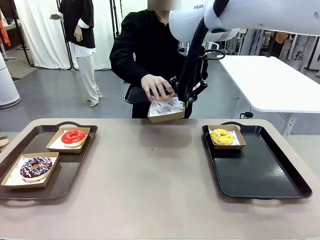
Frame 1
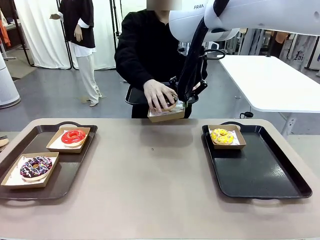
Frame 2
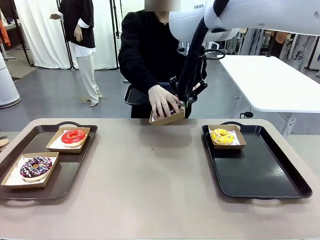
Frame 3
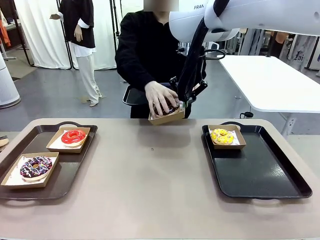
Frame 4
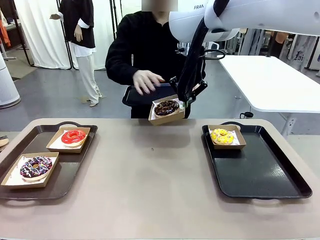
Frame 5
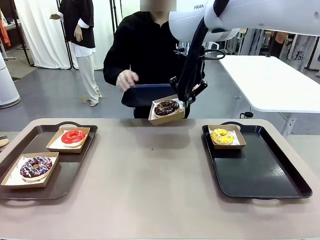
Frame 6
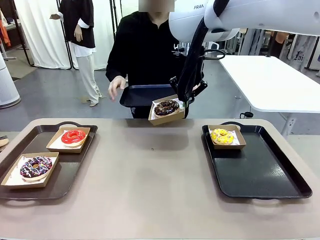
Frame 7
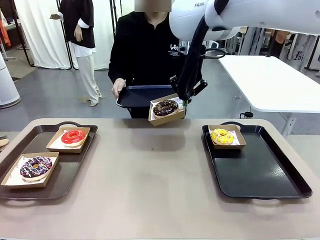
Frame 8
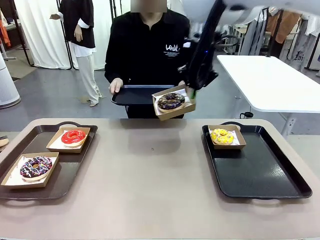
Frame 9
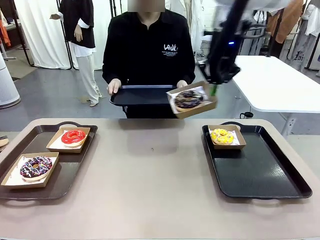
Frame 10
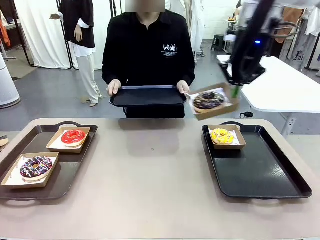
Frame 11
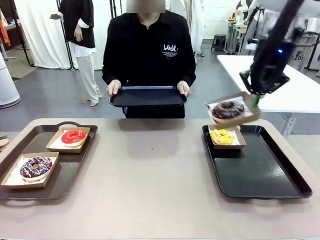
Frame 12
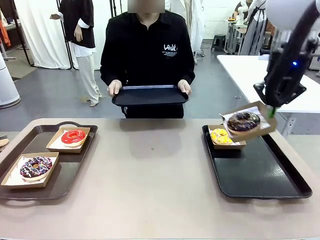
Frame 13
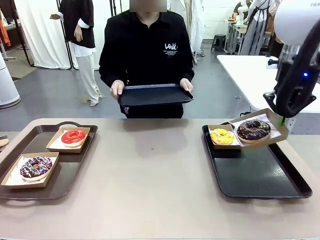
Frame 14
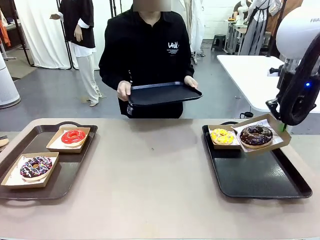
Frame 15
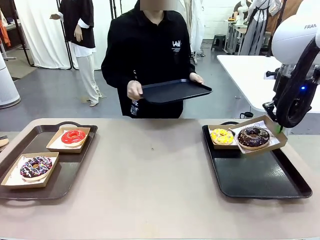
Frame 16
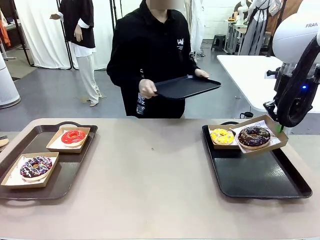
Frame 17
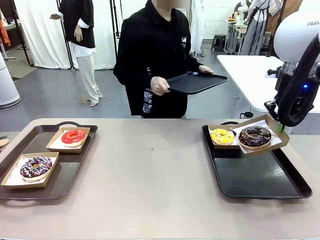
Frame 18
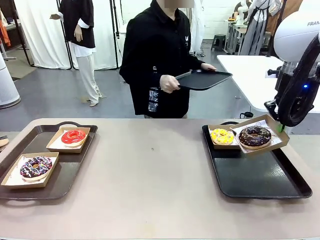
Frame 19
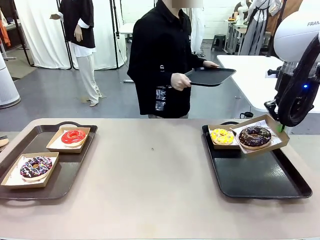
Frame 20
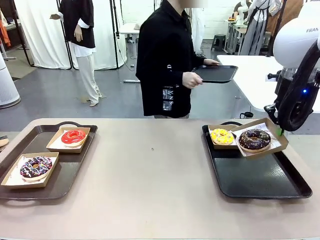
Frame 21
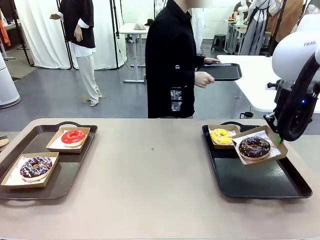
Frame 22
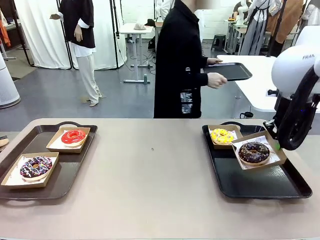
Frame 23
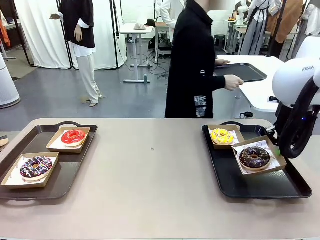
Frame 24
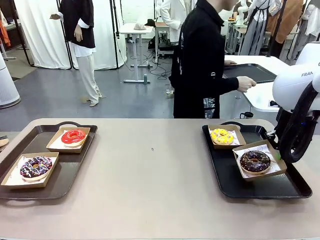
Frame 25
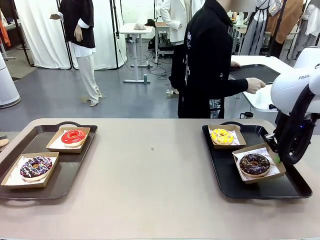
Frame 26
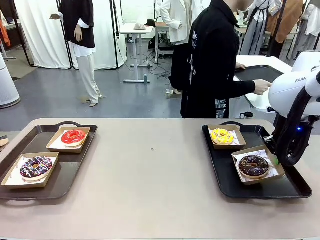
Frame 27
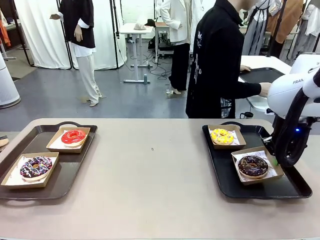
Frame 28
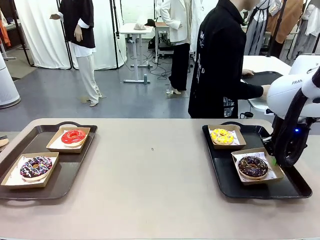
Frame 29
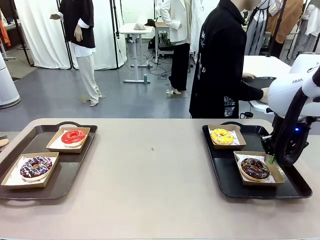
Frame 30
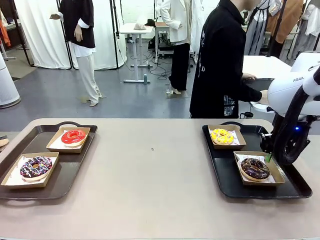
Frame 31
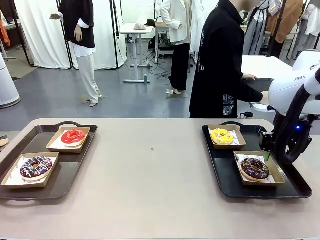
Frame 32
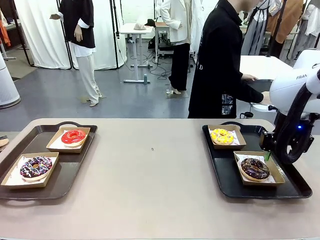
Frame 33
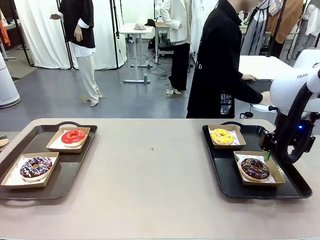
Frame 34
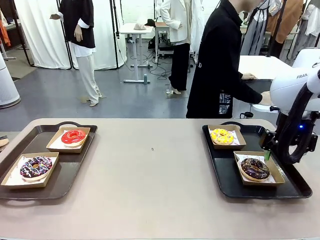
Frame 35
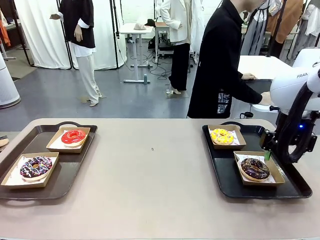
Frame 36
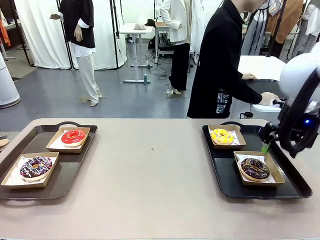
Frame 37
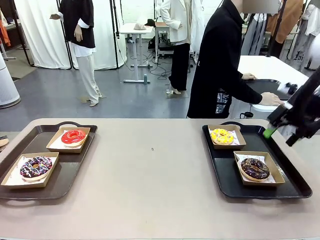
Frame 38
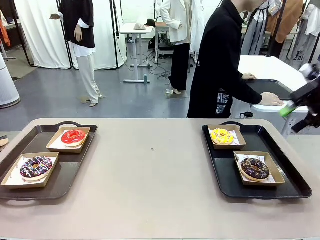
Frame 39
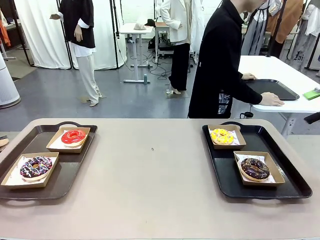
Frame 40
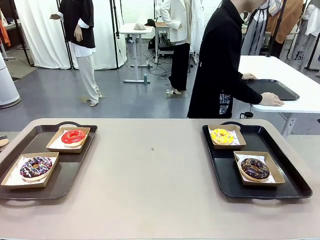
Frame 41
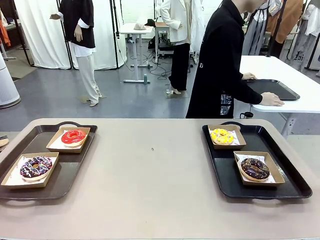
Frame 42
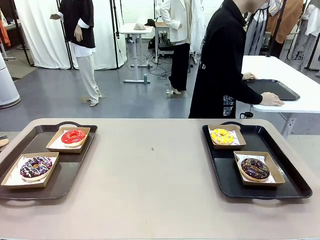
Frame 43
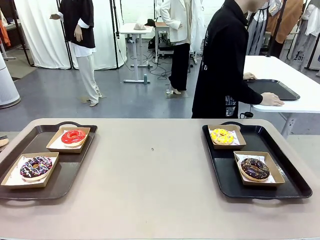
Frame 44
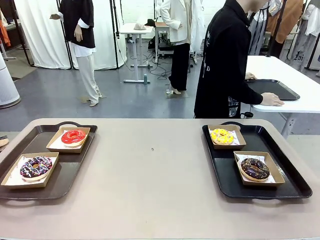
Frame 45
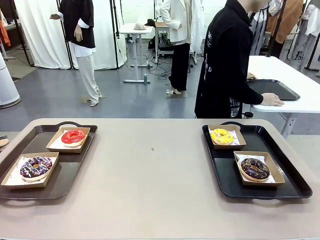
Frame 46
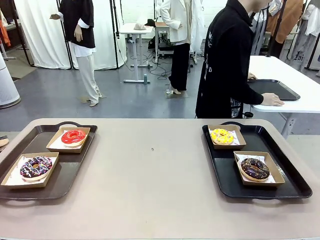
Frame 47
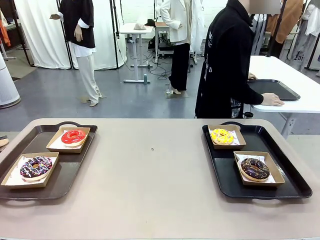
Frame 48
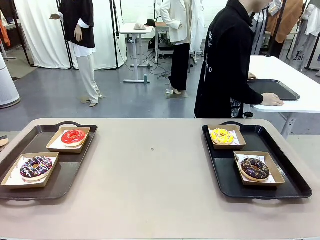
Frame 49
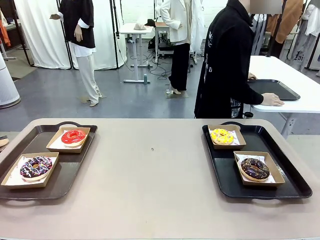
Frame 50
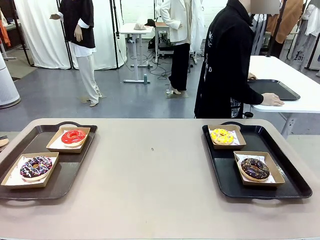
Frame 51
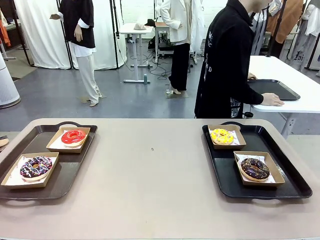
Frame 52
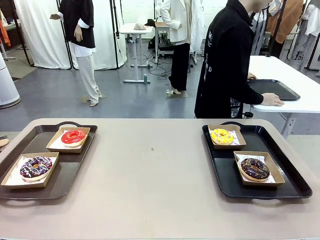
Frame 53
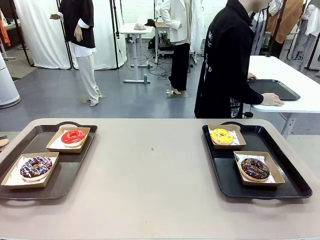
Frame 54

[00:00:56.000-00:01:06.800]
Task: Individually package the donuts and arrange them on the tray.
Robot: Place the picked Paper togo box on the Handle tray.
Person: Place the tray down in the middle of the human table.

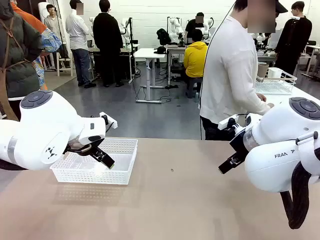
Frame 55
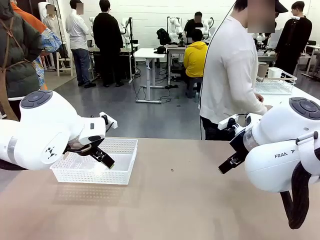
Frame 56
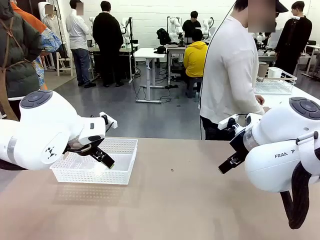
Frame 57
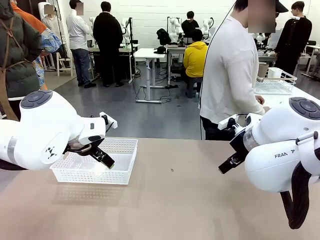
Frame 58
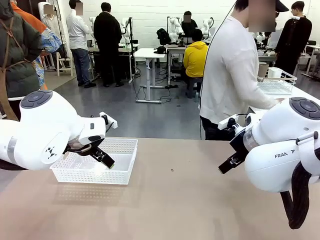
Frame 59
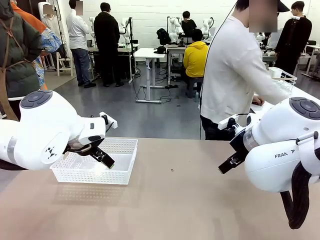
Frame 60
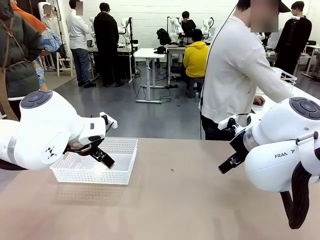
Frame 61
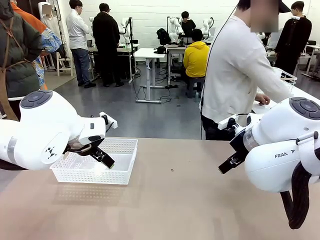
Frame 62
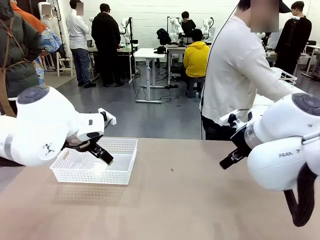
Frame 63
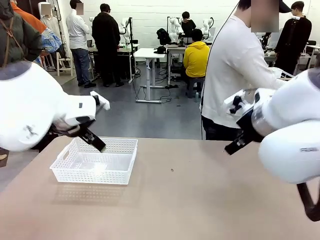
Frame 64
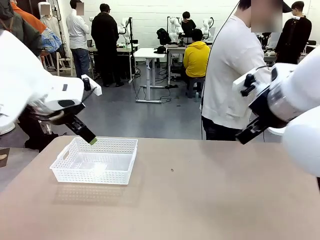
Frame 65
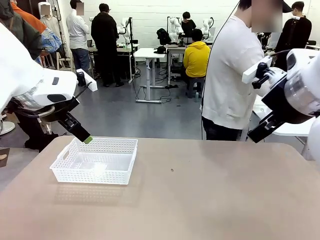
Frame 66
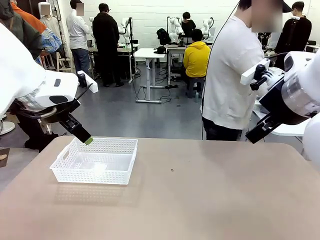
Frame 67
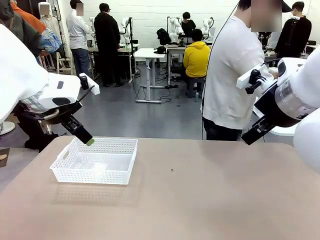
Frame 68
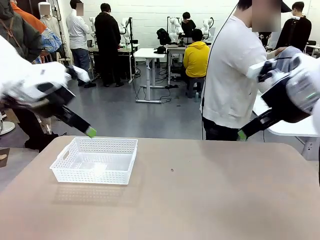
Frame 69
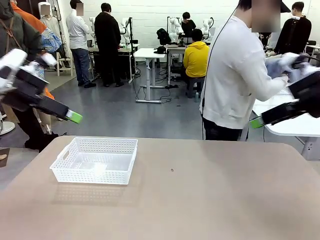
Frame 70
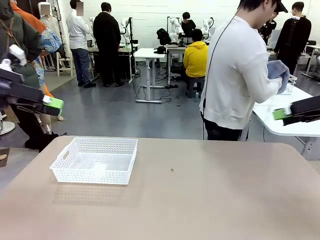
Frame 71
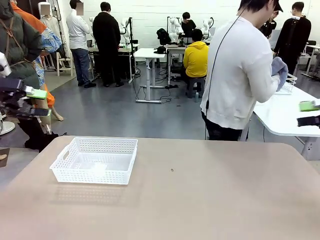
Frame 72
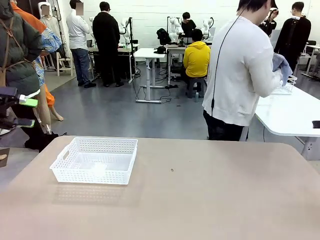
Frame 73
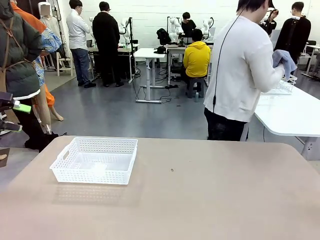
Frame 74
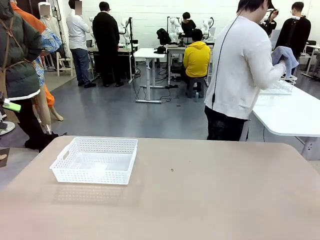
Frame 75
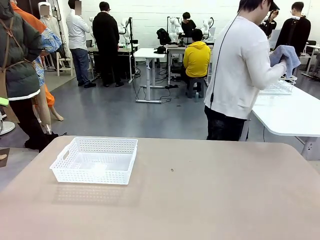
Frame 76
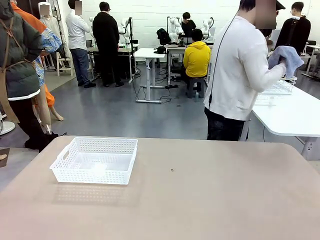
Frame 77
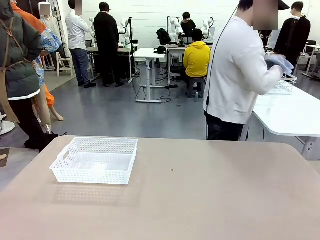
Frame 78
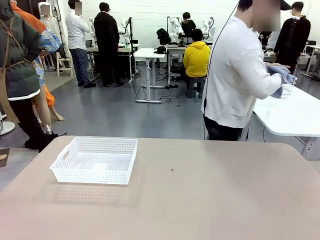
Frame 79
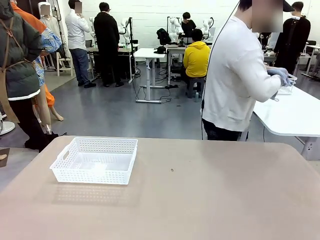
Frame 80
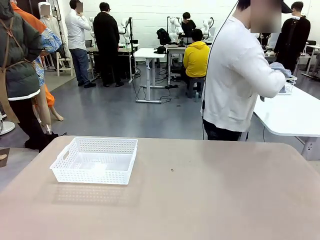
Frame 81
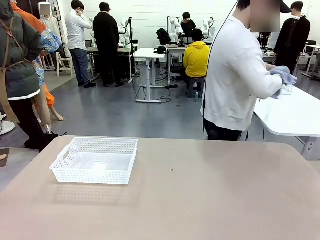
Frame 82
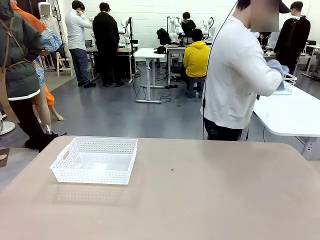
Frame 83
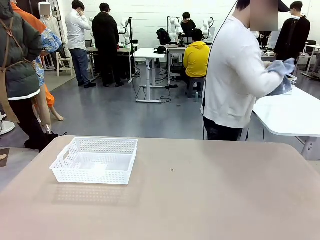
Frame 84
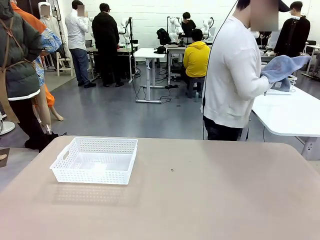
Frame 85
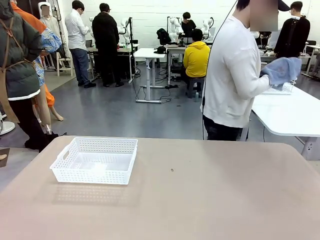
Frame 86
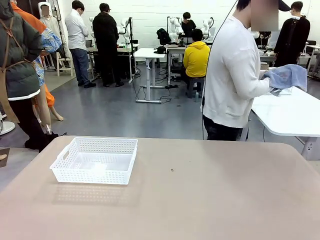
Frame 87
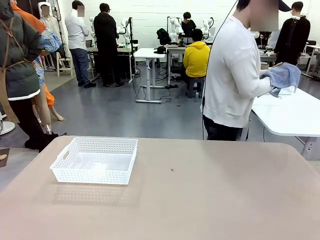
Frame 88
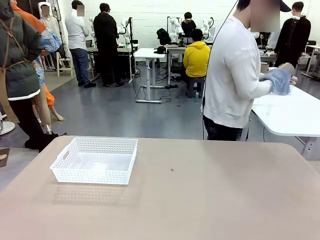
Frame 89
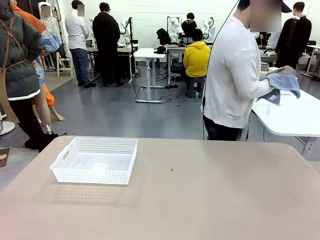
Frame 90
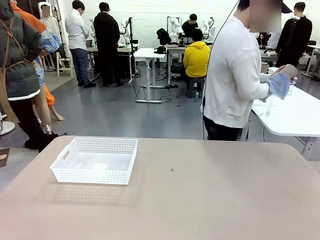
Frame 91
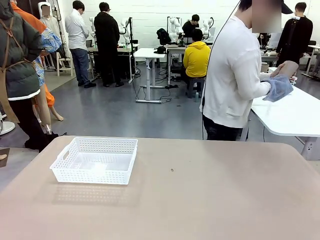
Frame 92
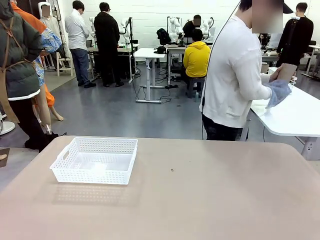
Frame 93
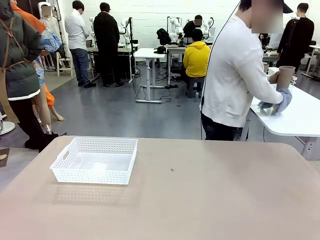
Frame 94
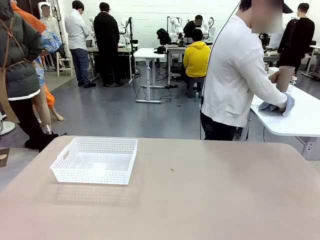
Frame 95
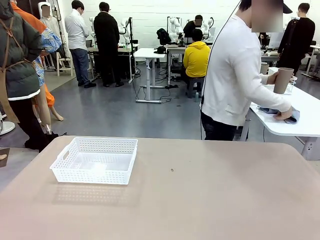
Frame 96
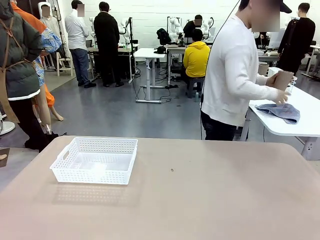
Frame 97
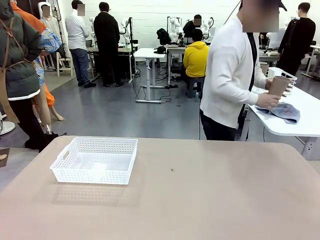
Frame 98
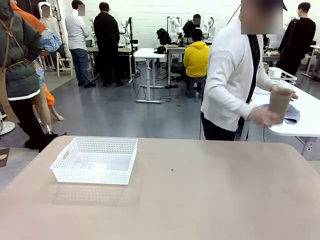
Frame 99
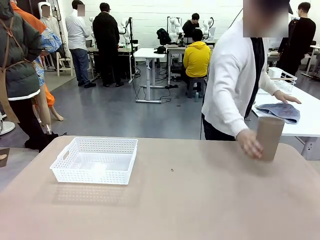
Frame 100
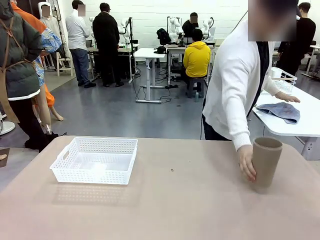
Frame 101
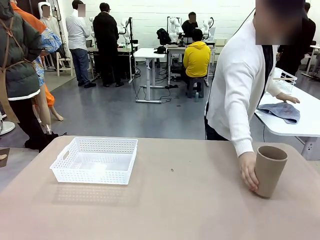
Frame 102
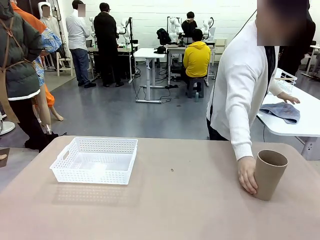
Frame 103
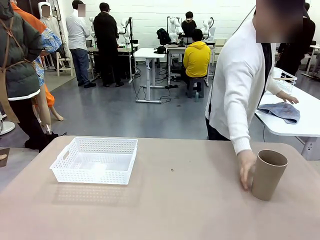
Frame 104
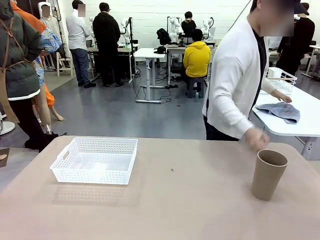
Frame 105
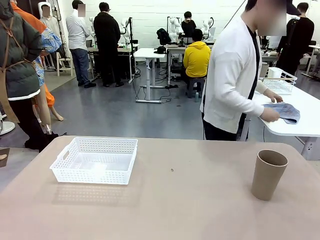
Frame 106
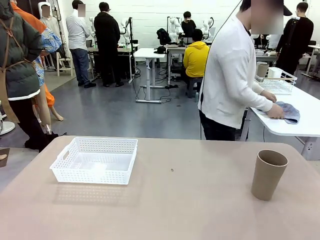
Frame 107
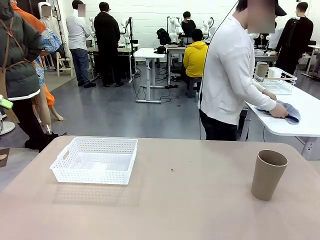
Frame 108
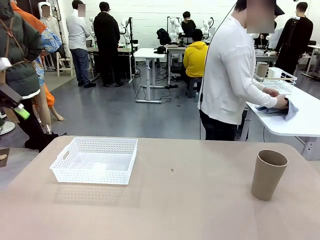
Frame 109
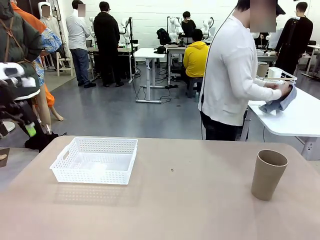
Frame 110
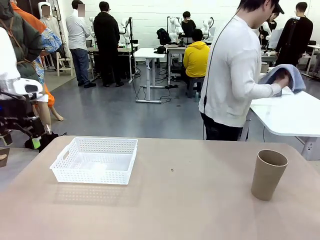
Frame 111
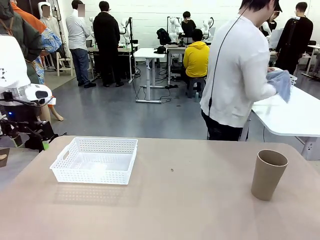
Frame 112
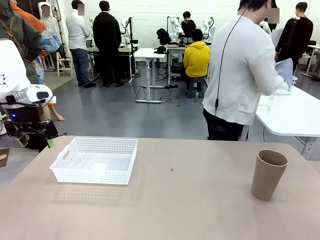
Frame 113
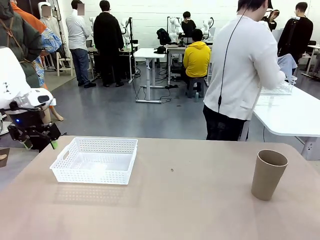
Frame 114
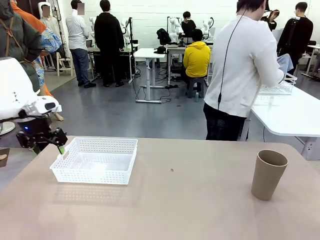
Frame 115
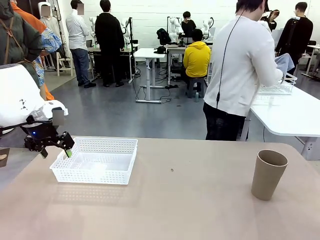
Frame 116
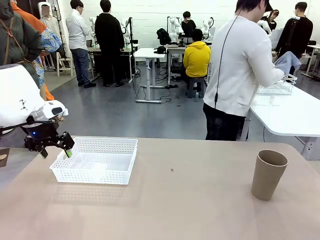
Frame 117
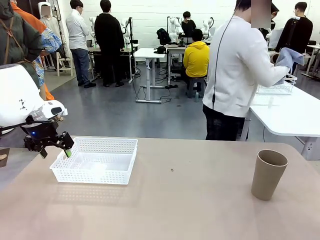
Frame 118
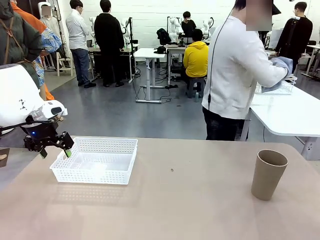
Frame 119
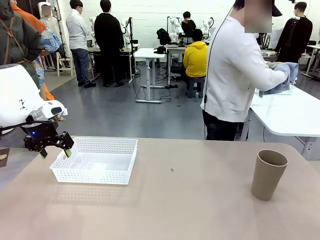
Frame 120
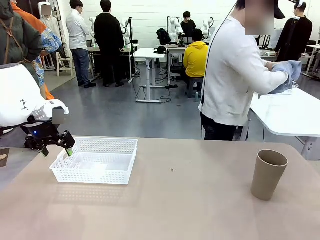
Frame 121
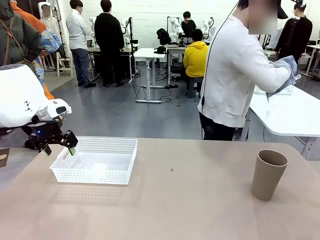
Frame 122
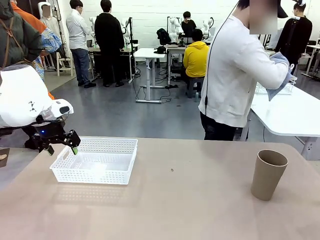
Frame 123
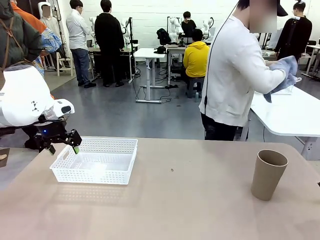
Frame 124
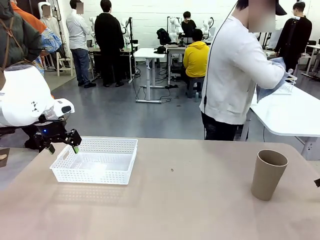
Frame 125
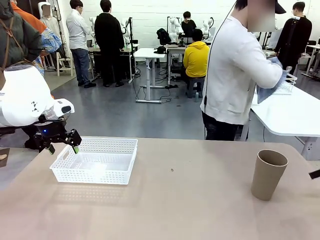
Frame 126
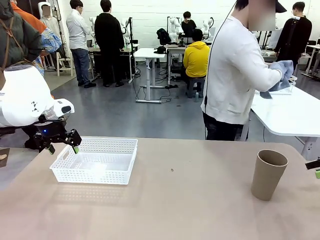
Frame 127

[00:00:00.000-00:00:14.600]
Task: Clean and organize the cups into the basket.
Robot: Pick up the Organizing basket and move it to the center of the table, then pick up the Reusable plastic cup from the right side of the table and place it inside the Organizing basket.
Person: Picks up a cup and a towel, cleans the cup with the towel, and places it on the left side of the robot table.
